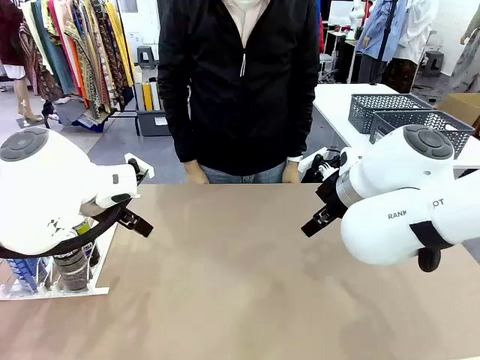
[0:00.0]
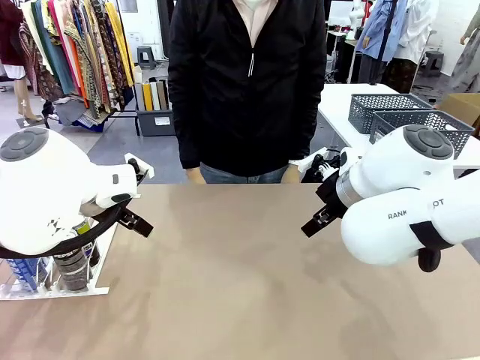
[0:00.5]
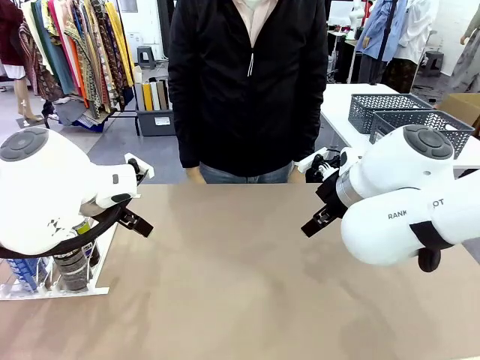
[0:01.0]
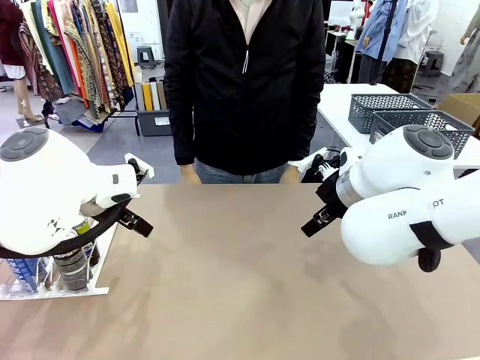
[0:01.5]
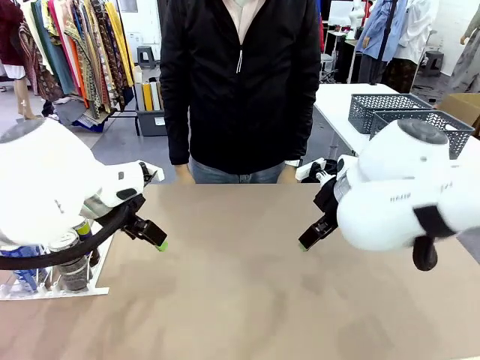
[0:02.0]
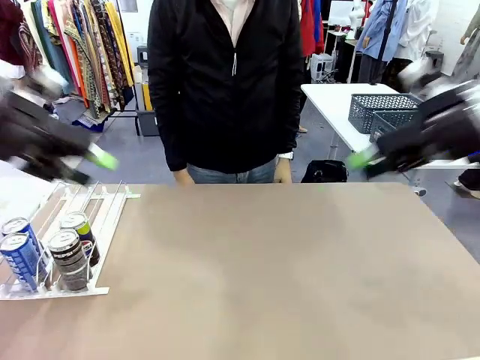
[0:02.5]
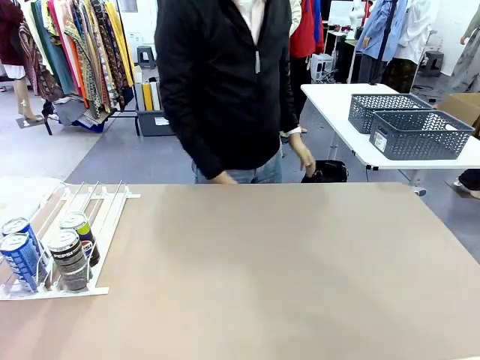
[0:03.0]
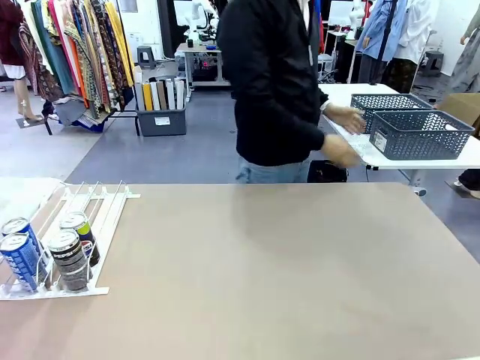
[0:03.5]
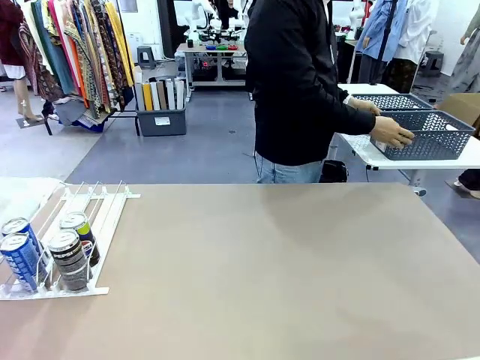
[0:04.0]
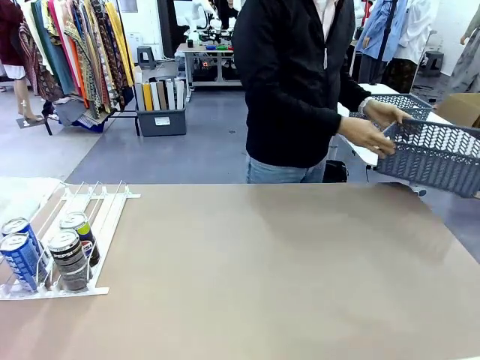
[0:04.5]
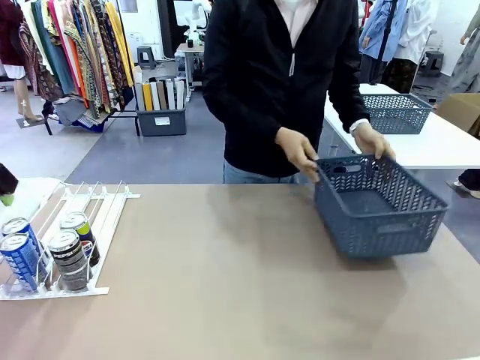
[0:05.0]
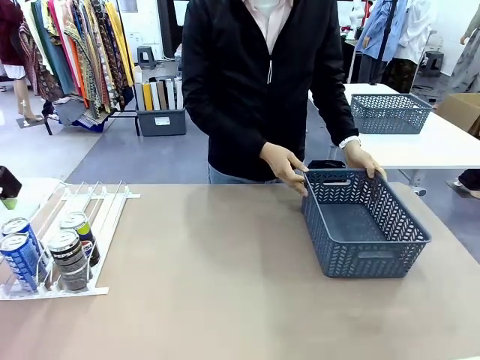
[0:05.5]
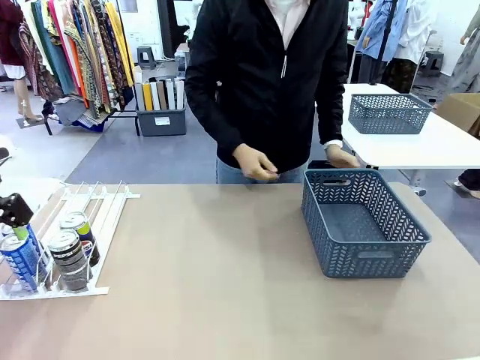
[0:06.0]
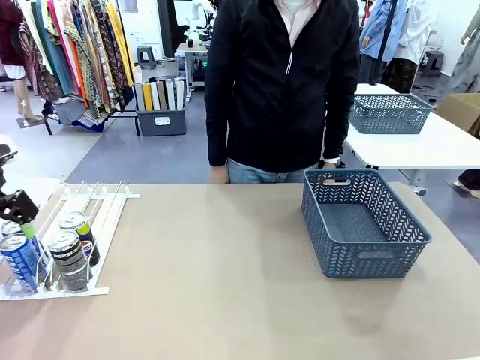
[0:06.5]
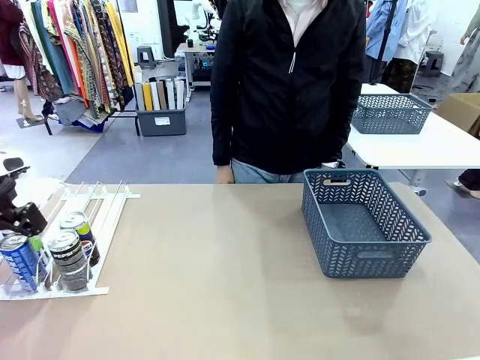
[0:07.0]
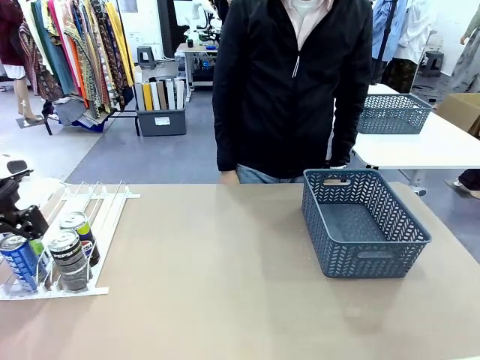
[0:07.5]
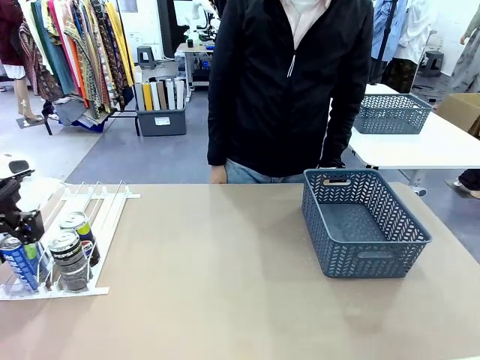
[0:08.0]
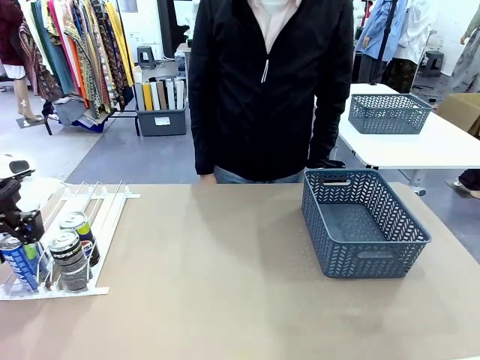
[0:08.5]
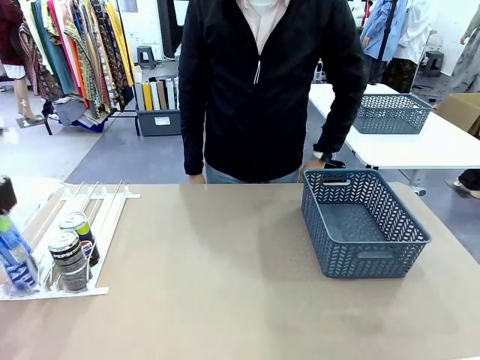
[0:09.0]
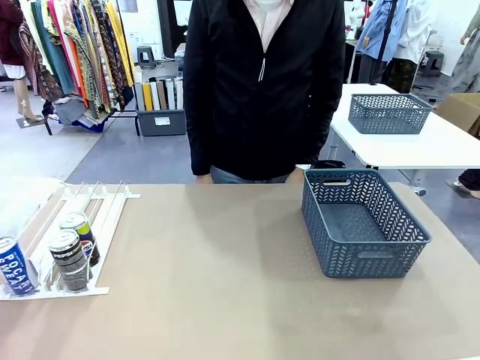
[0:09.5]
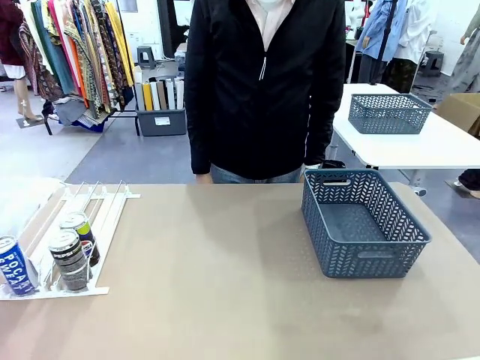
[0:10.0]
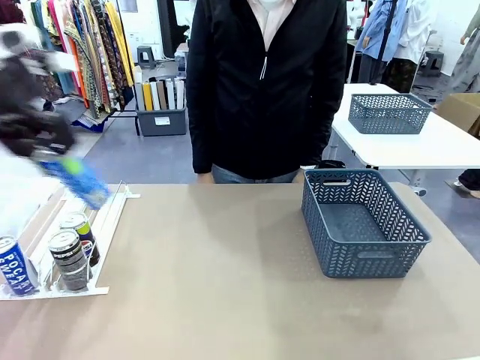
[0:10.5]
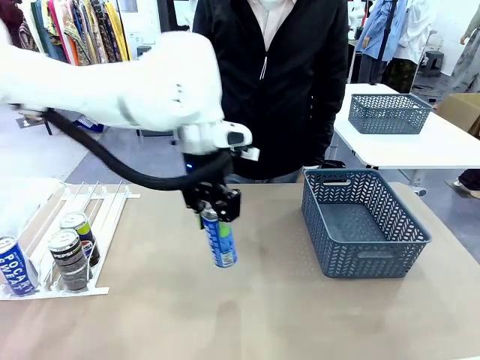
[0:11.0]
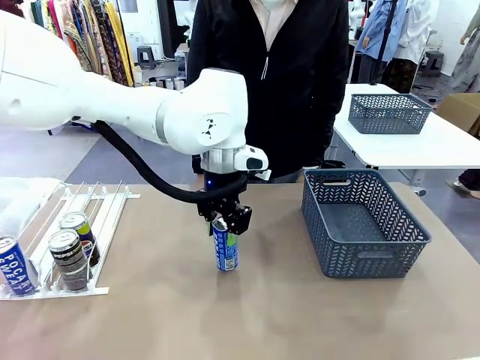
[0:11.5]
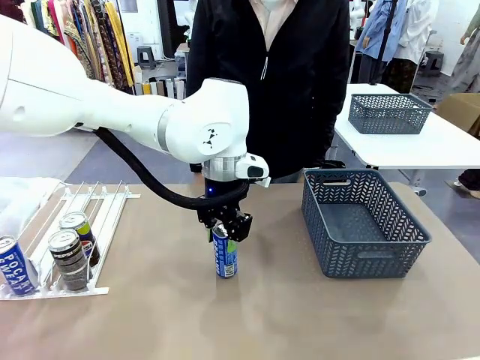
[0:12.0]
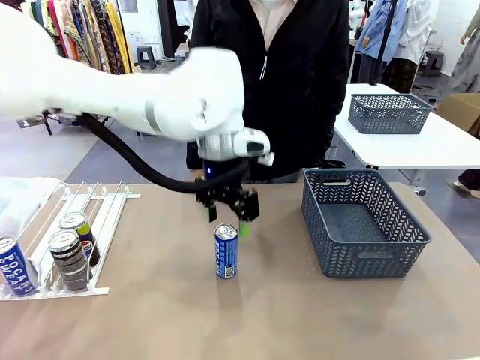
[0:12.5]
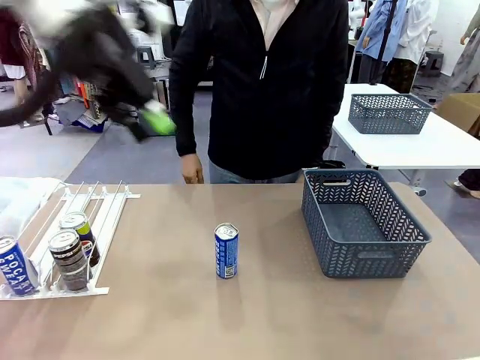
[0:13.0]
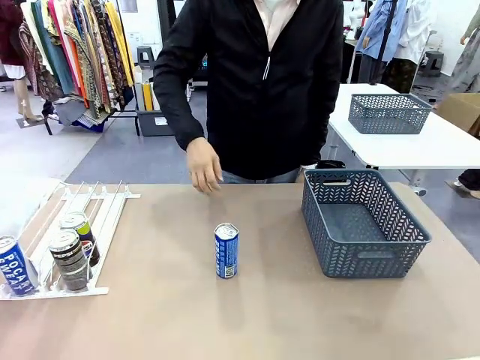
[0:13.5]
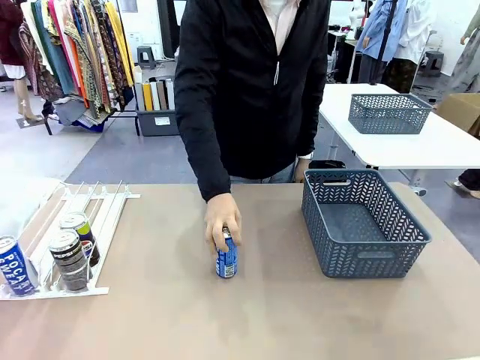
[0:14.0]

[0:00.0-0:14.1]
Task: Retrieve and store the cans from the dispenser.
Robot: Pick up one can from the Automatic Can Dispenser and place it in the middle of the table.
Person: Pick up the basket and place it on the left side of the robot table.

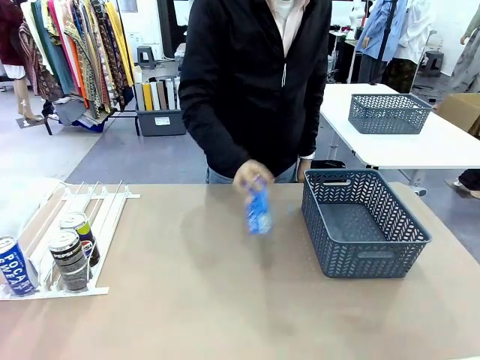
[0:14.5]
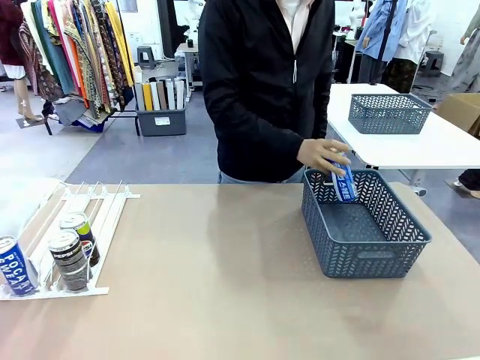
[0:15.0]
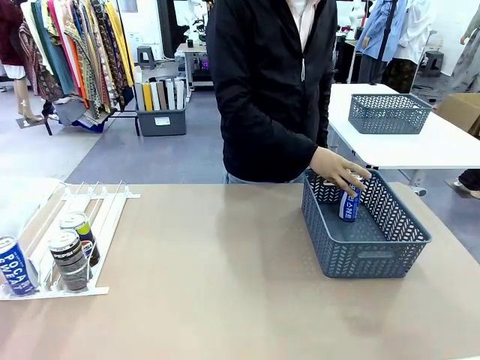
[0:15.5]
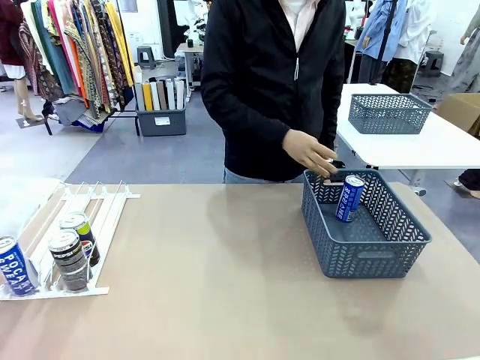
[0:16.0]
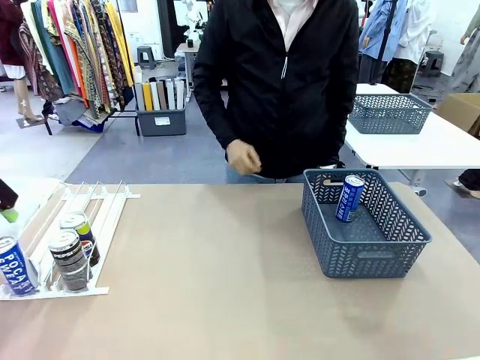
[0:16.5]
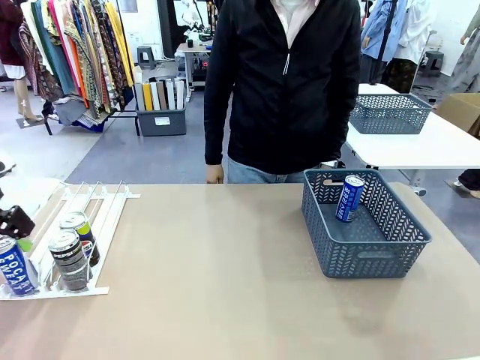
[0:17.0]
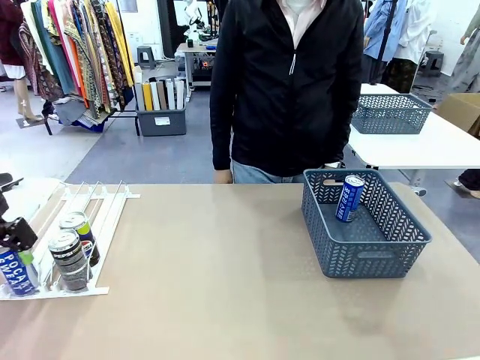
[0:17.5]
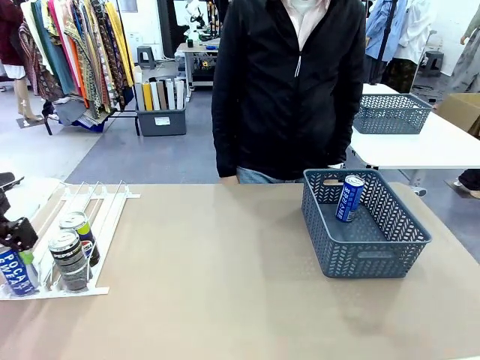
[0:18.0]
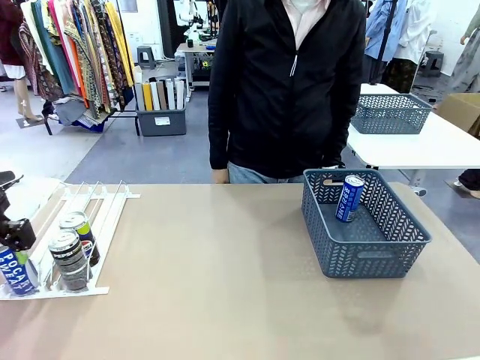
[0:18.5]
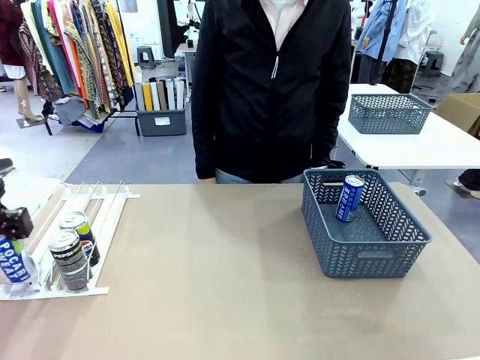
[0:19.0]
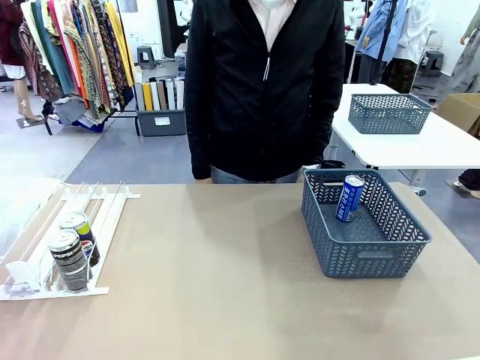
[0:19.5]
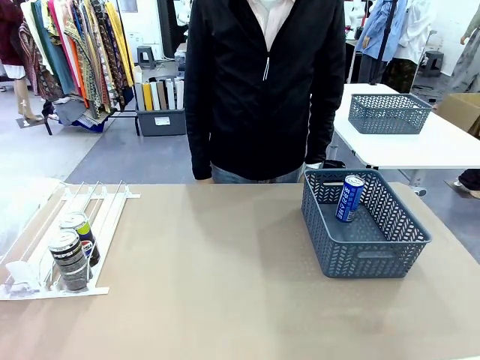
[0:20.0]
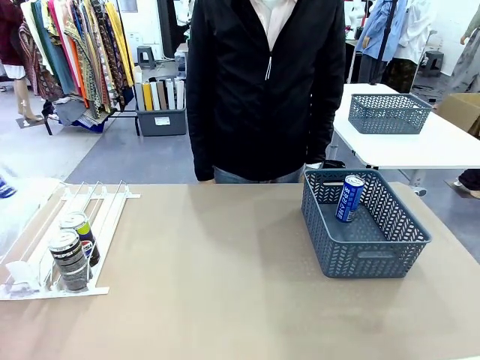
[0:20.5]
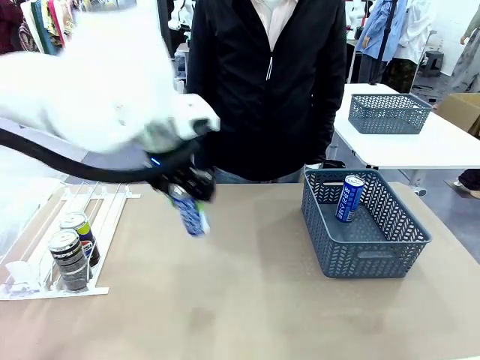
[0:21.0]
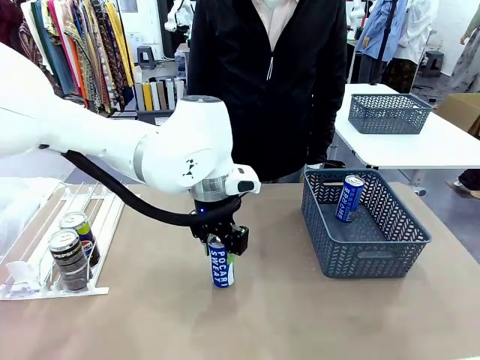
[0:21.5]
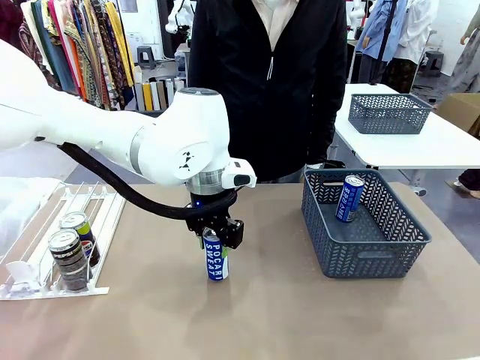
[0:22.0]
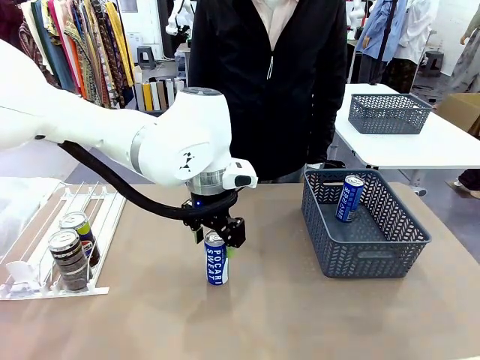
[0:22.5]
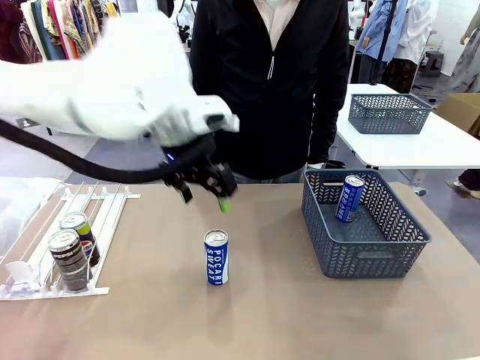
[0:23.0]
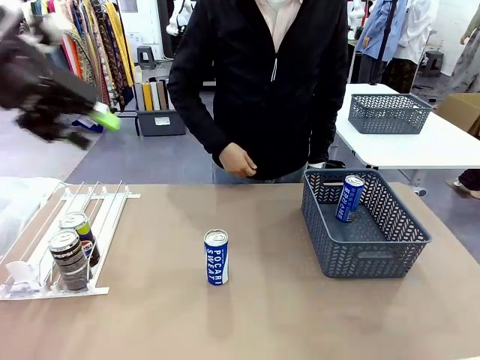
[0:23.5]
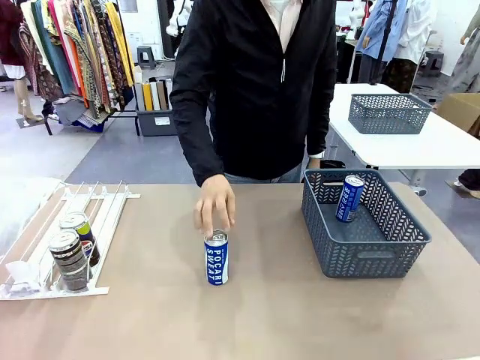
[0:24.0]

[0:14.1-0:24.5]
Robot: Pick up the last remaining can from one row of the Automatic Can Dispenser and place it in the middle of the table.
Person: Pick up one Pepsi can from the middle of the robot table and place it in the basket.
